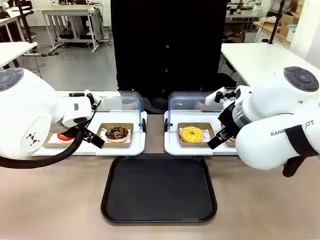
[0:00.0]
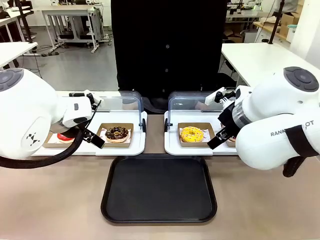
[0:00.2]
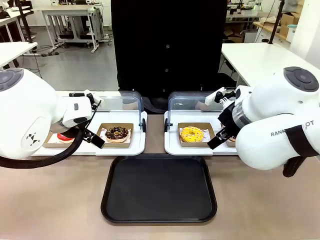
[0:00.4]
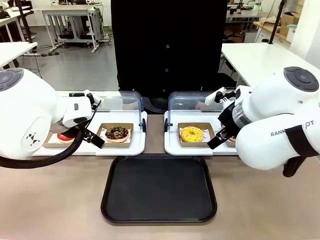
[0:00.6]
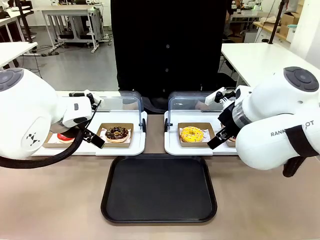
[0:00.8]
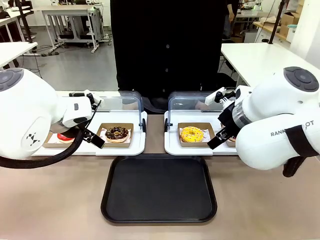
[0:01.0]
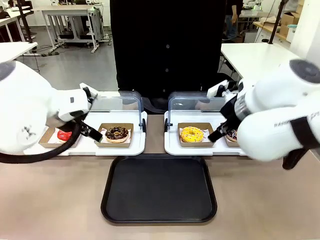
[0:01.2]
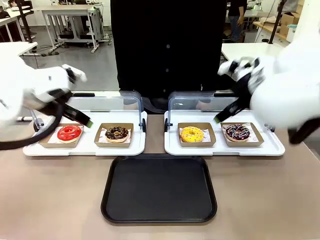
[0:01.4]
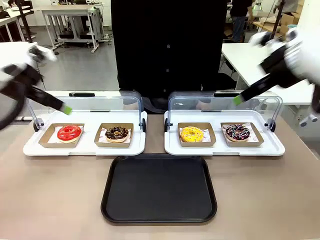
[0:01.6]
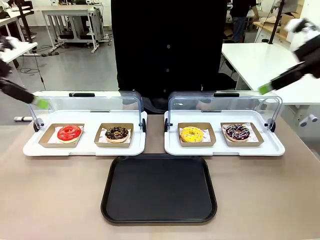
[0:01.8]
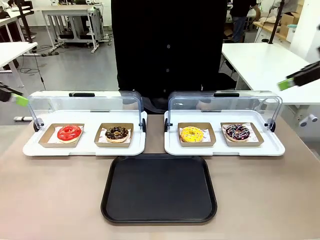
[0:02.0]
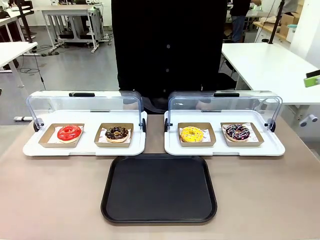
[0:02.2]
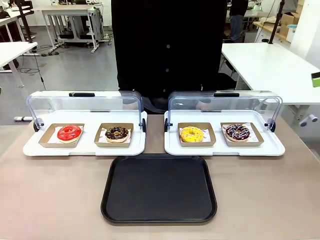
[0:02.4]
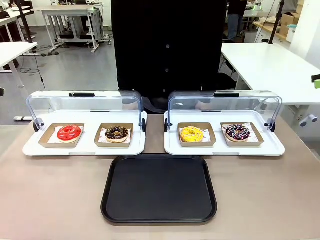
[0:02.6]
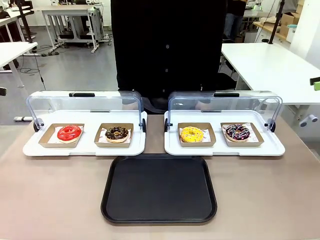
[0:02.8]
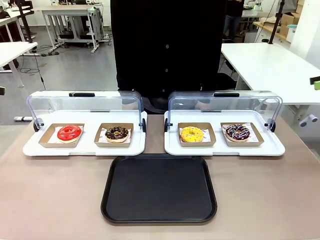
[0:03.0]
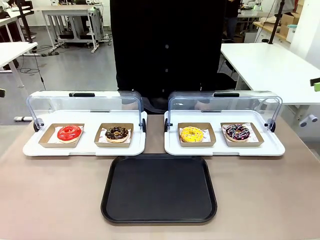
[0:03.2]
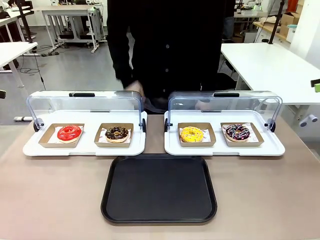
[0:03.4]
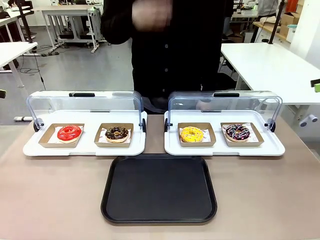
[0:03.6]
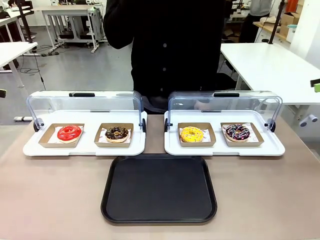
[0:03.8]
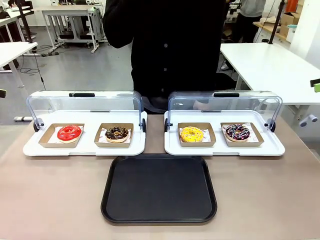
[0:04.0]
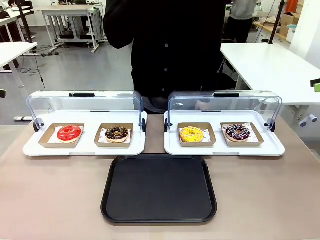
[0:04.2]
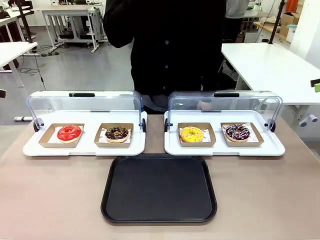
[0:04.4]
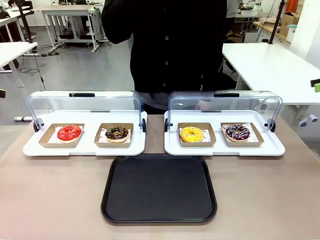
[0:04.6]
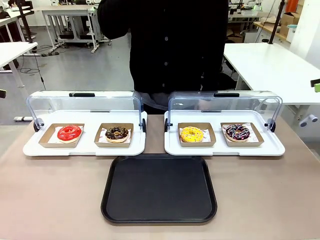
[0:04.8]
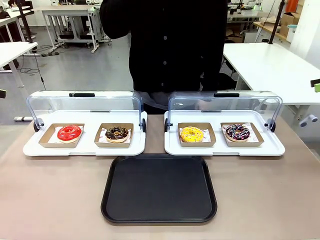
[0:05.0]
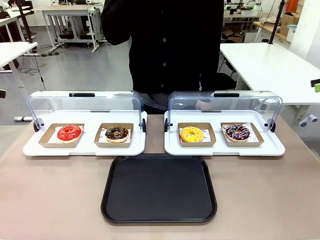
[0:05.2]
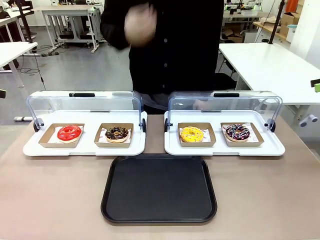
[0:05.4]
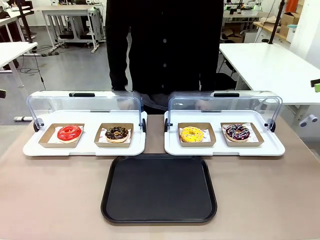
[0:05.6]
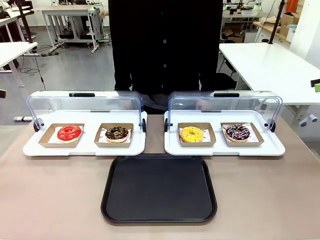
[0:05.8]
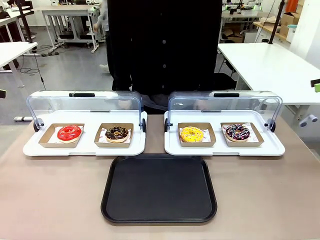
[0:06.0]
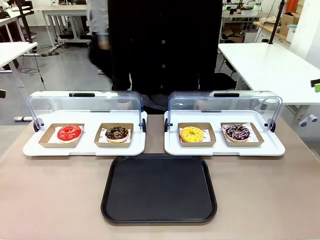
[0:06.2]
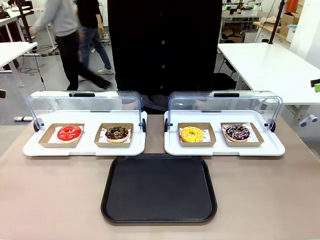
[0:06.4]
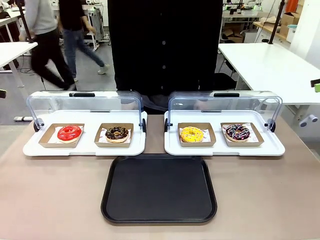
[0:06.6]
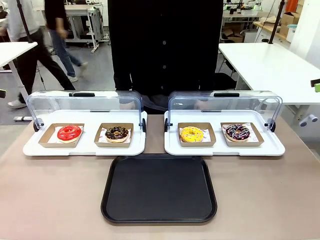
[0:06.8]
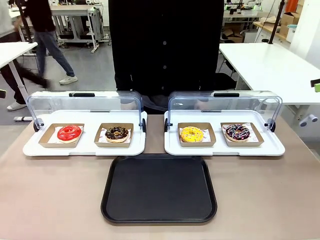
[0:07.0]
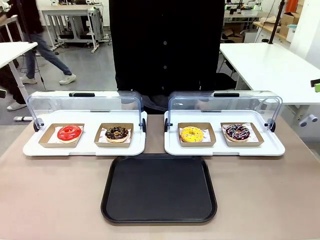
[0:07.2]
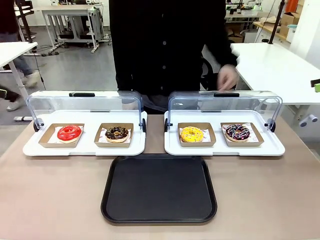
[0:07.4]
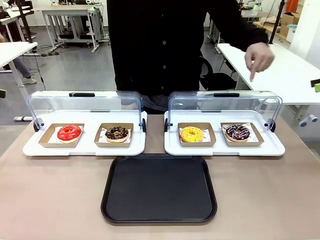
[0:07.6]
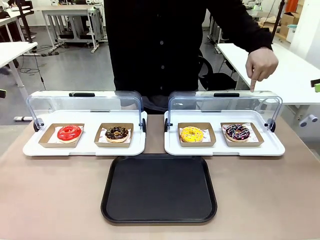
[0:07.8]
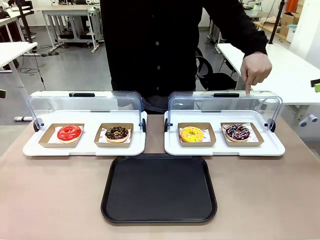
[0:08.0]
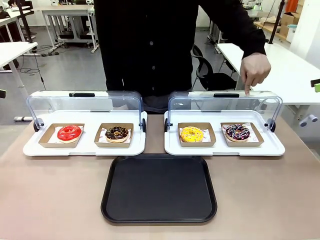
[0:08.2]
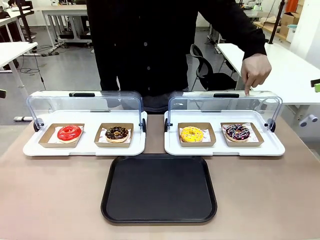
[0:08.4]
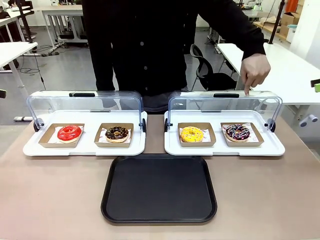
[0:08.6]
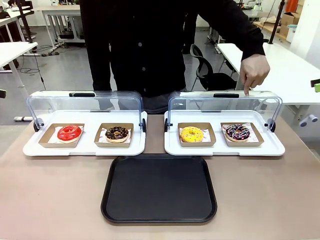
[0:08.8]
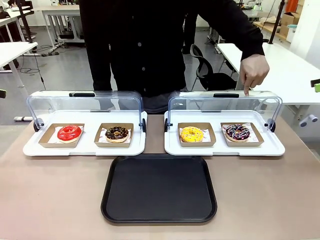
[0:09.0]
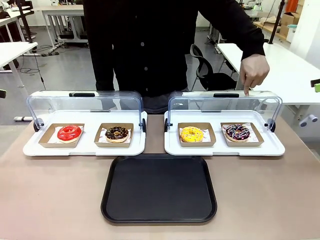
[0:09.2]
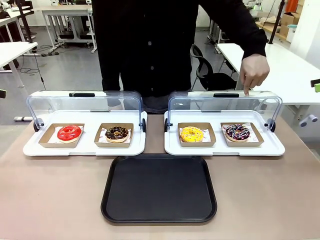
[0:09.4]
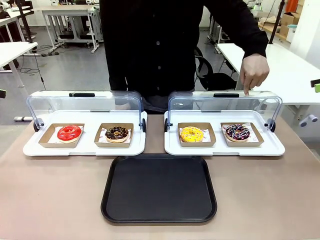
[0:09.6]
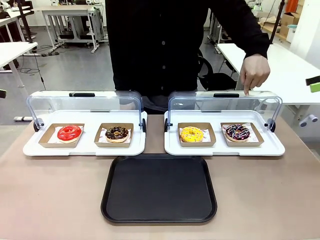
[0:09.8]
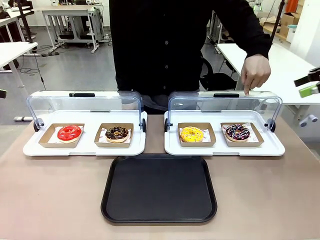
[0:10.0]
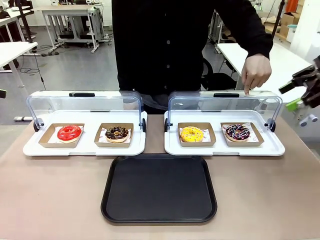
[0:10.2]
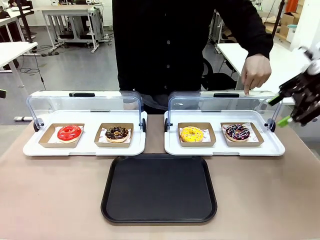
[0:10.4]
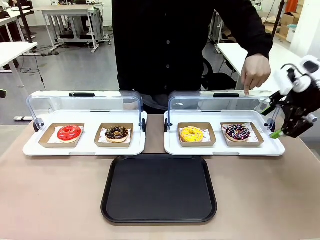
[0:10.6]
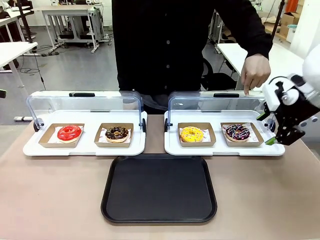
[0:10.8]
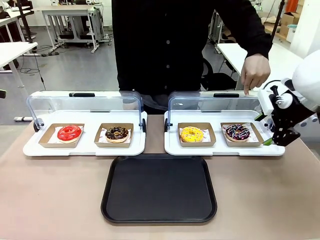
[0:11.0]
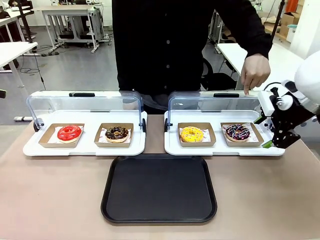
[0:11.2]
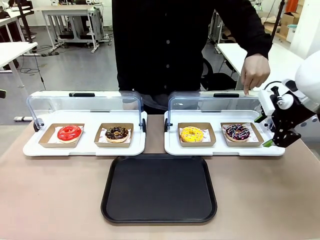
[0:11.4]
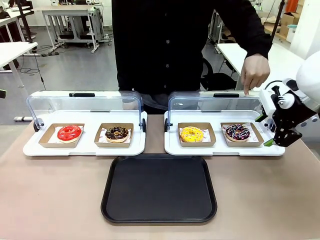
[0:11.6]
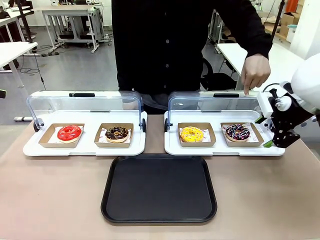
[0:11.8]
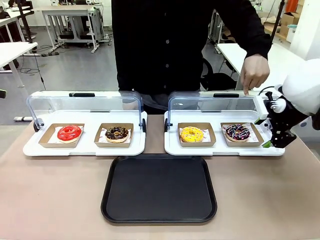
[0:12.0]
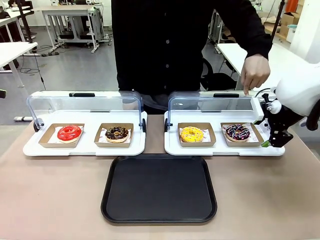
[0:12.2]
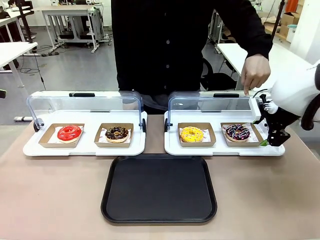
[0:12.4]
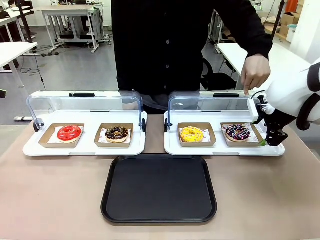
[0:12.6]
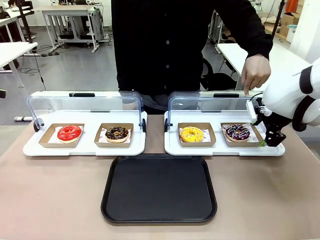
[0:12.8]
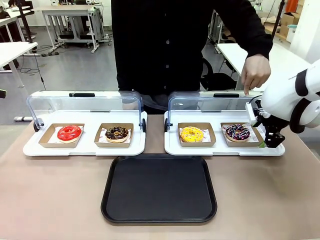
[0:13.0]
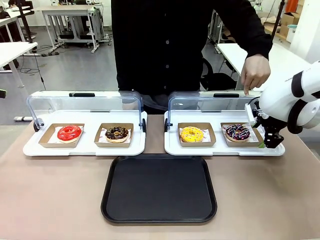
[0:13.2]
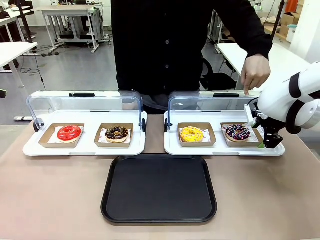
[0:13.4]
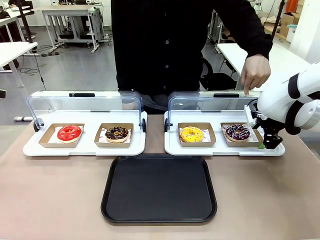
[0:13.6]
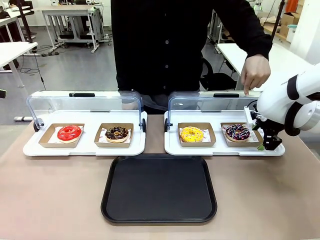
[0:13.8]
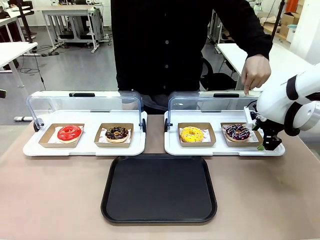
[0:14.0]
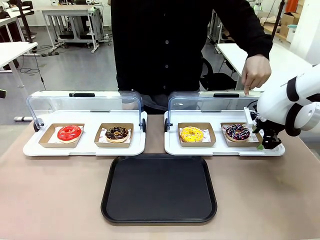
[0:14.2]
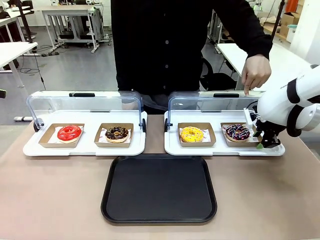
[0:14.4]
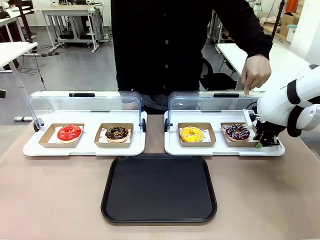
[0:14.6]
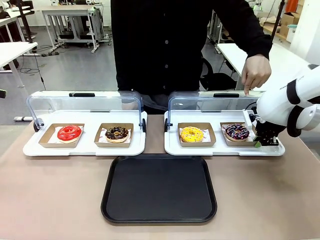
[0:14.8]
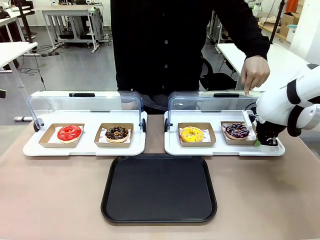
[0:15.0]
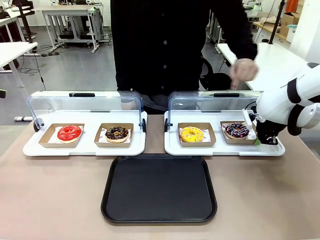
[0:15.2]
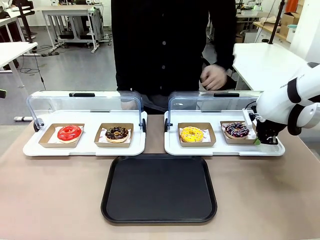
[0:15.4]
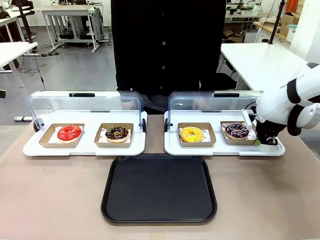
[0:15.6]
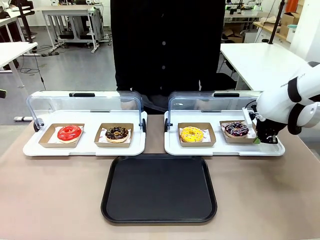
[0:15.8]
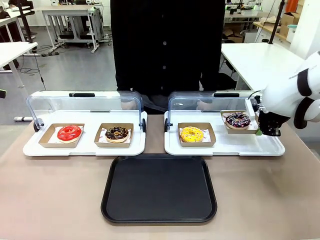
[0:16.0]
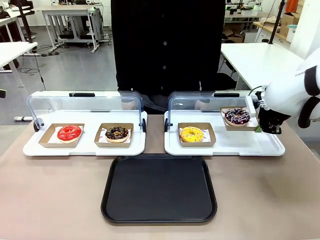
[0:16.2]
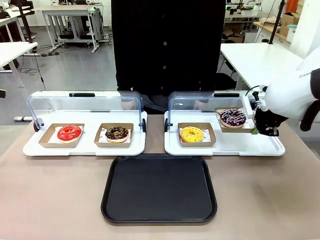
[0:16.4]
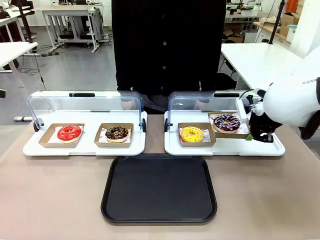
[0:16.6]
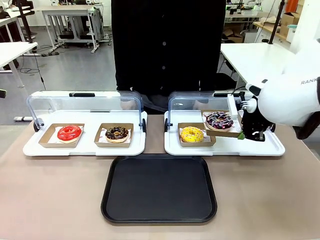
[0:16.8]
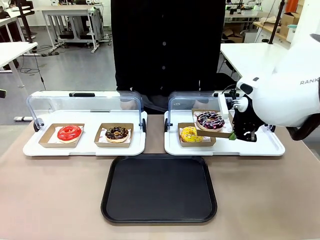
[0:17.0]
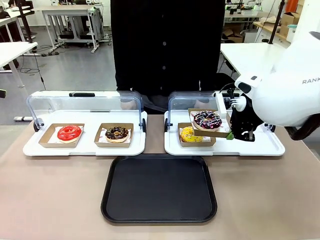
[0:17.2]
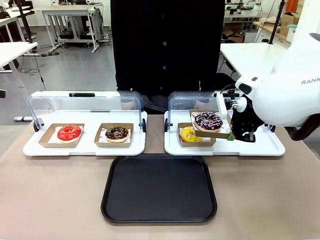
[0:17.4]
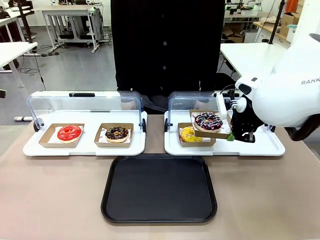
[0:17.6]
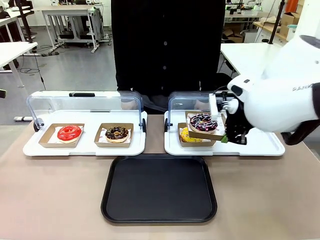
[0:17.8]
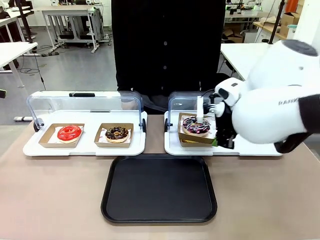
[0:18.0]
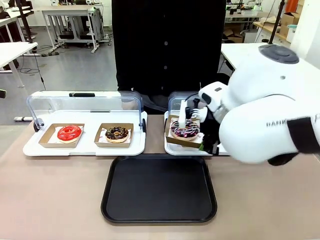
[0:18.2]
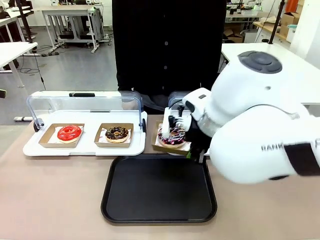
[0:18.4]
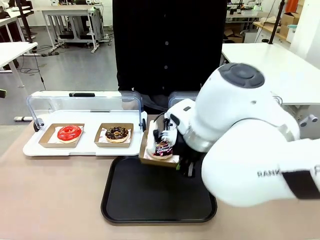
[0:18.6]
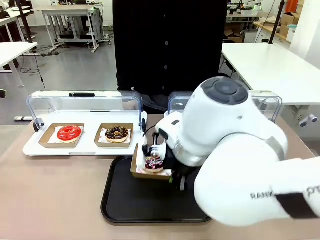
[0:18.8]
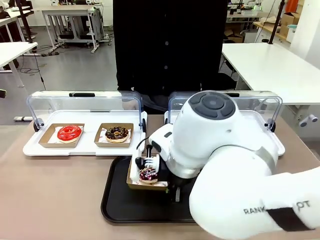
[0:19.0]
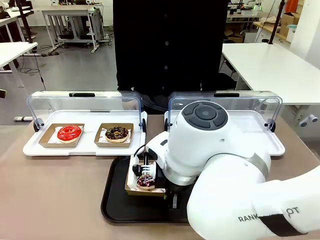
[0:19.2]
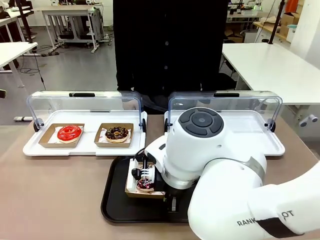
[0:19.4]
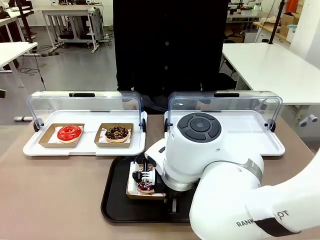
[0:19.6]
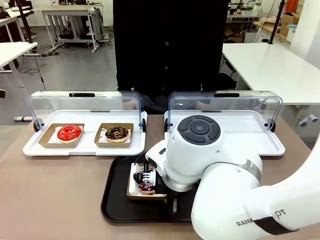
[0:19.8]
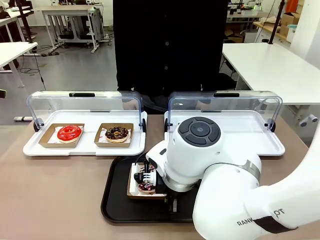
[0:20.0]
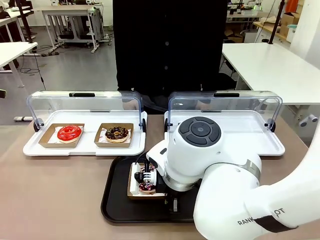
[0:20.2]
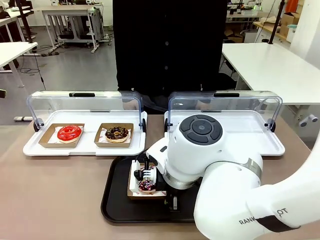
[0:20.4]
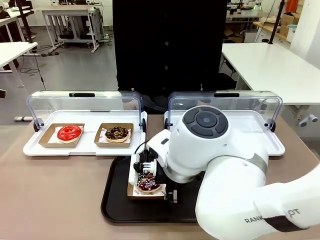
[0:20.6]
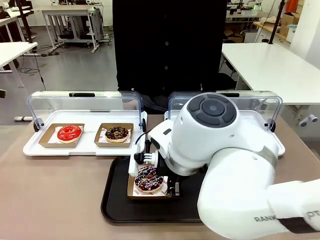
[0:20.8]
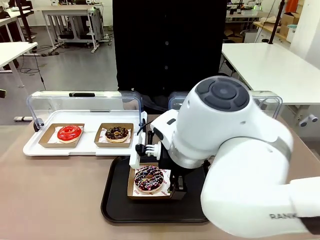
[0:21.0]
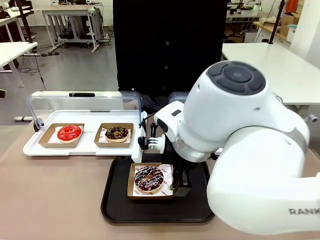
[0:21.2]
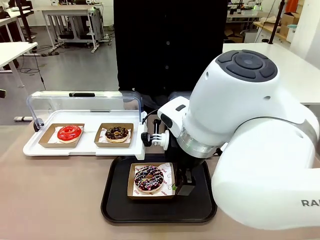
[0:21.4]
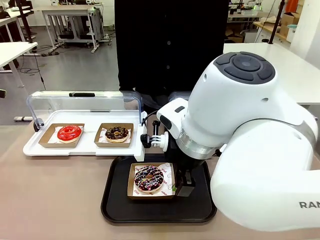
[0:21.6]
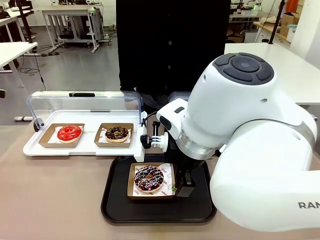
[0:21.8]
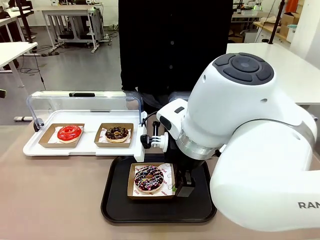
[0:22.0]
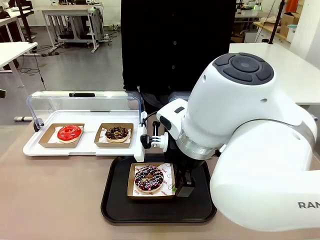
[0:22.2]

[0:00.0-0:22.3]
Task: Move the fourth donut from the left to the tray.
Robot: Pick up the Paper togo box containing the Donut indicated by the person and place it on the Handle tray.
Person: Points to the fourth donut from the left from the robot’s perspective.
